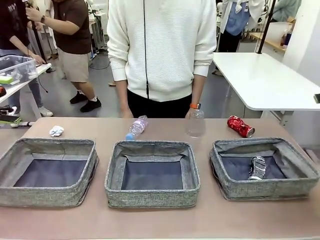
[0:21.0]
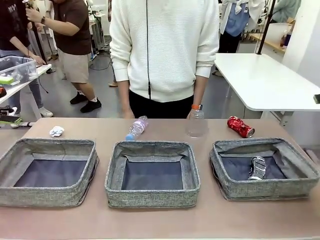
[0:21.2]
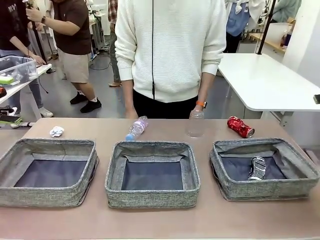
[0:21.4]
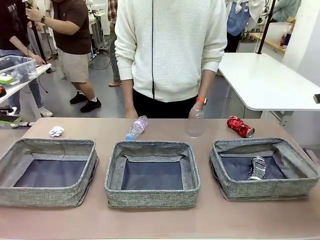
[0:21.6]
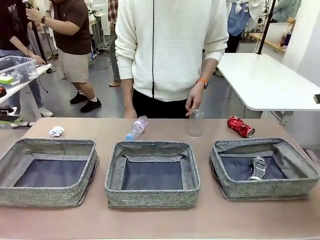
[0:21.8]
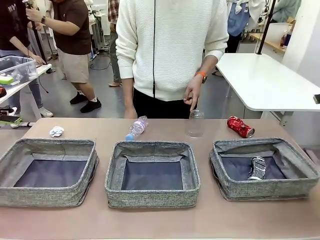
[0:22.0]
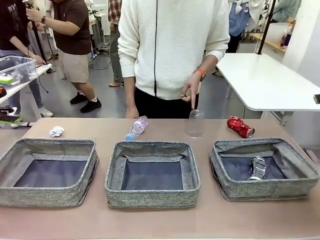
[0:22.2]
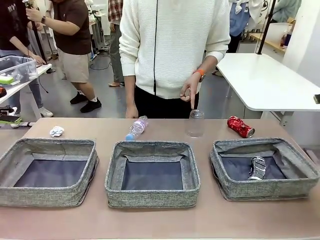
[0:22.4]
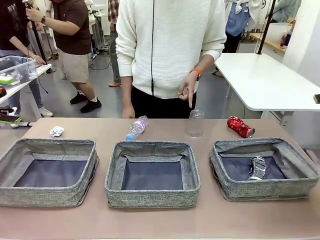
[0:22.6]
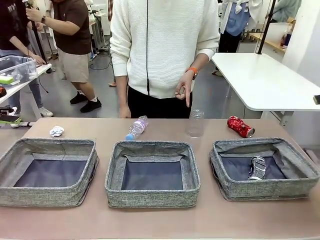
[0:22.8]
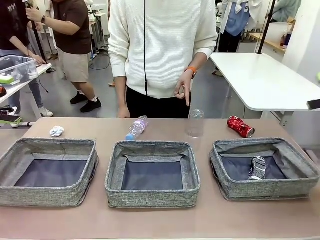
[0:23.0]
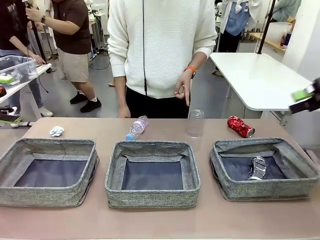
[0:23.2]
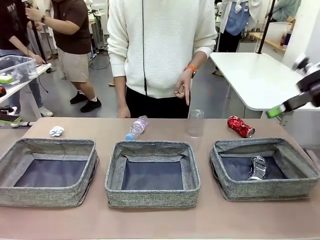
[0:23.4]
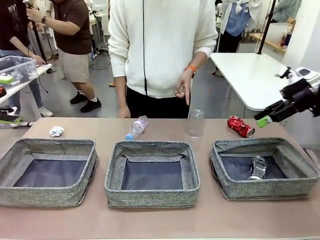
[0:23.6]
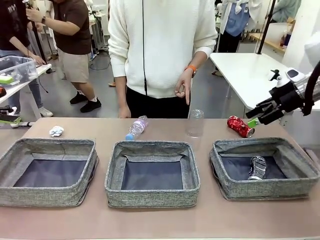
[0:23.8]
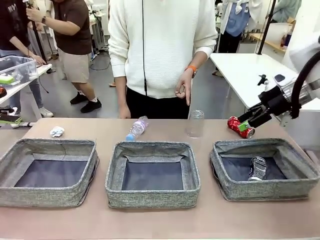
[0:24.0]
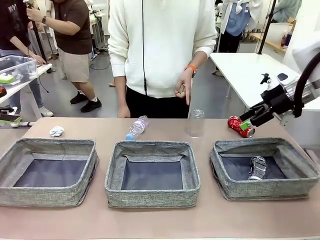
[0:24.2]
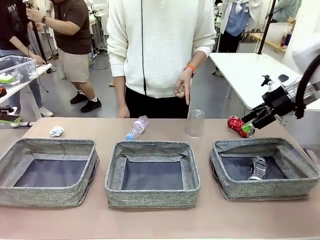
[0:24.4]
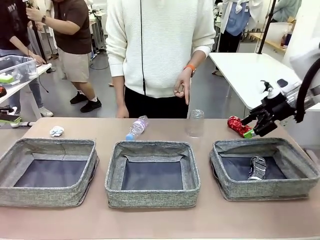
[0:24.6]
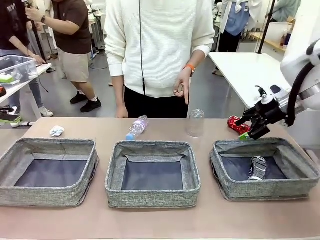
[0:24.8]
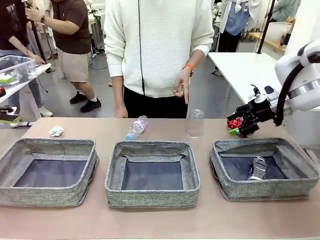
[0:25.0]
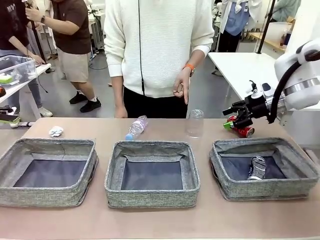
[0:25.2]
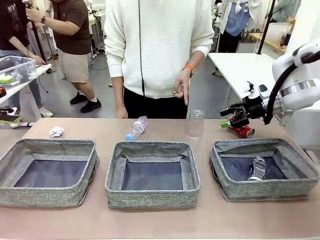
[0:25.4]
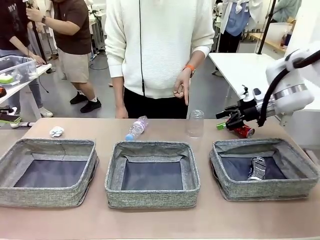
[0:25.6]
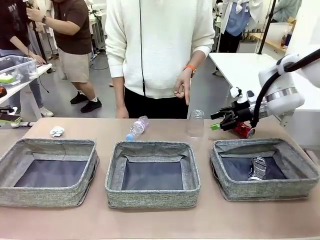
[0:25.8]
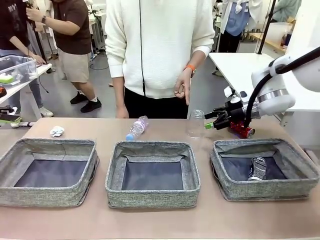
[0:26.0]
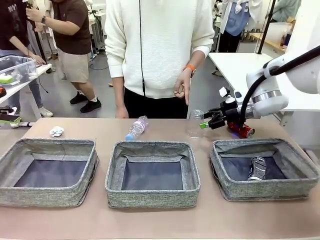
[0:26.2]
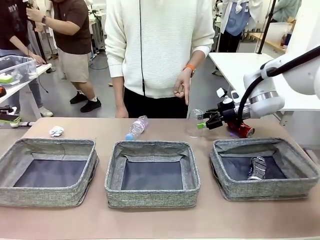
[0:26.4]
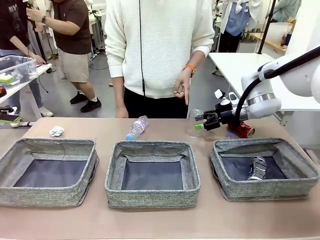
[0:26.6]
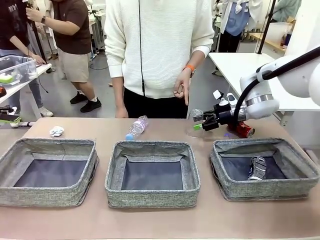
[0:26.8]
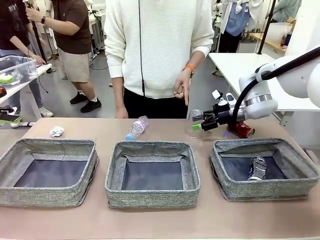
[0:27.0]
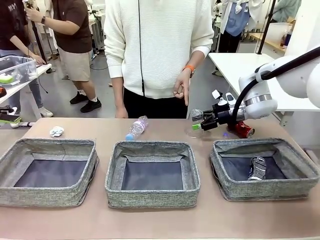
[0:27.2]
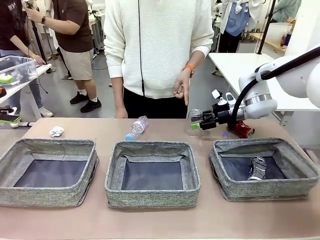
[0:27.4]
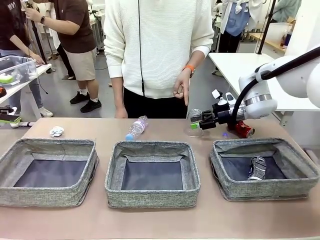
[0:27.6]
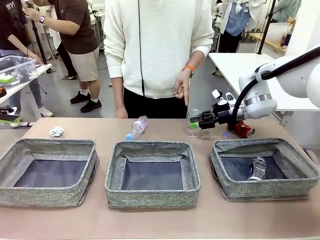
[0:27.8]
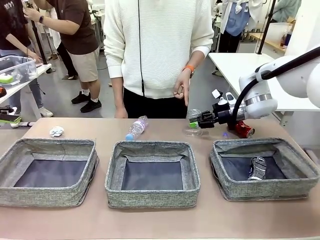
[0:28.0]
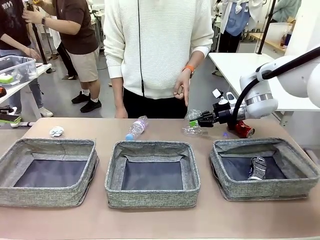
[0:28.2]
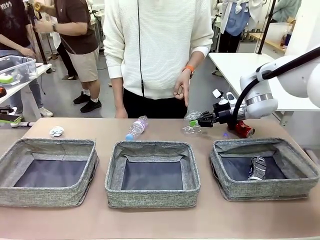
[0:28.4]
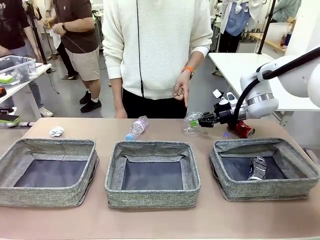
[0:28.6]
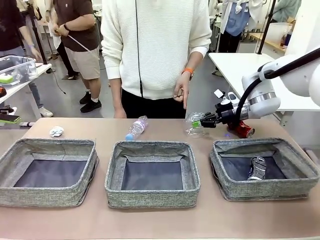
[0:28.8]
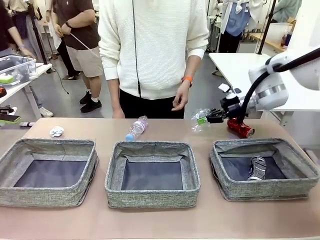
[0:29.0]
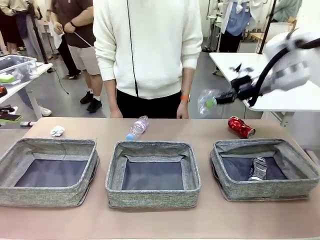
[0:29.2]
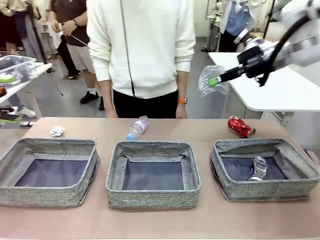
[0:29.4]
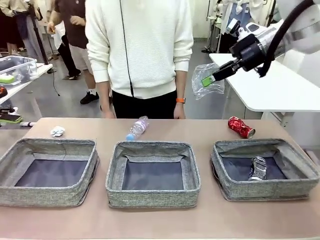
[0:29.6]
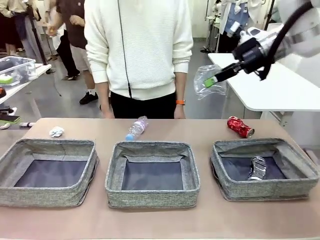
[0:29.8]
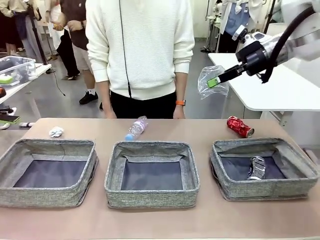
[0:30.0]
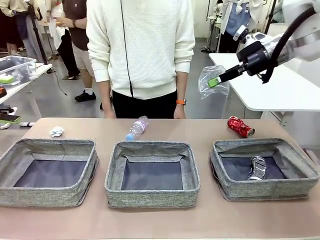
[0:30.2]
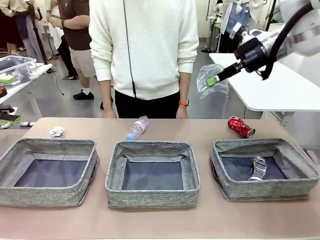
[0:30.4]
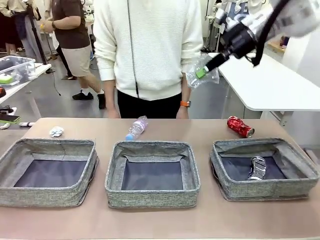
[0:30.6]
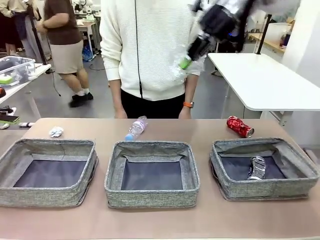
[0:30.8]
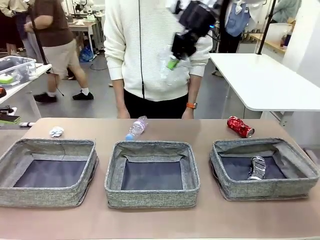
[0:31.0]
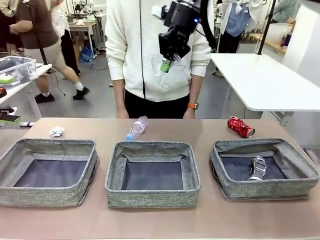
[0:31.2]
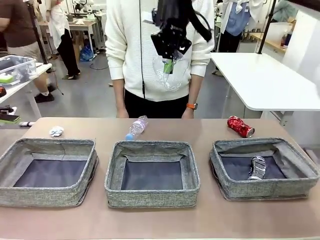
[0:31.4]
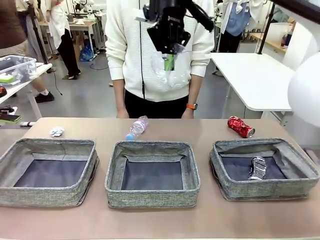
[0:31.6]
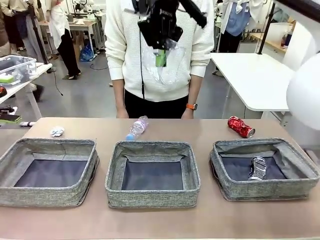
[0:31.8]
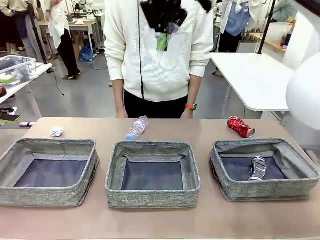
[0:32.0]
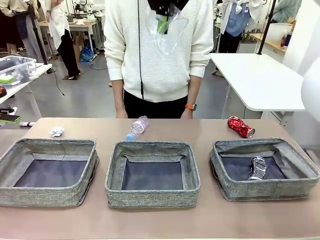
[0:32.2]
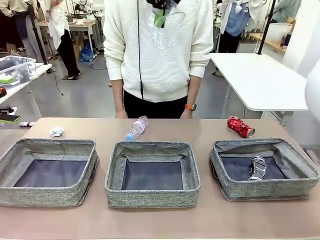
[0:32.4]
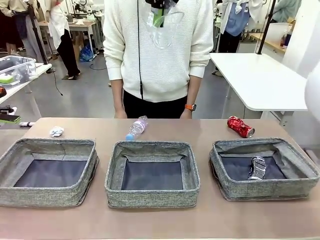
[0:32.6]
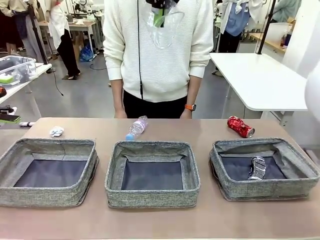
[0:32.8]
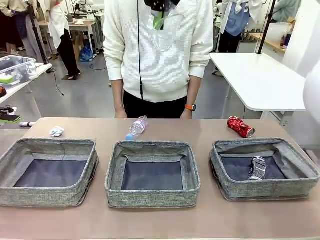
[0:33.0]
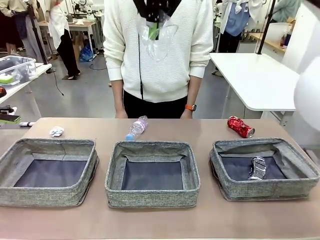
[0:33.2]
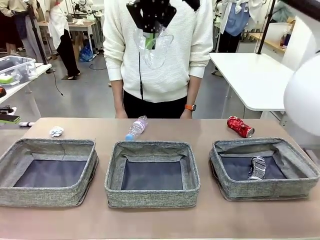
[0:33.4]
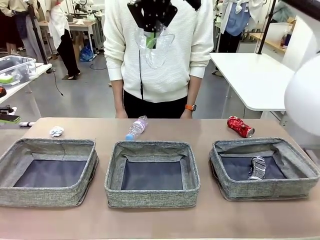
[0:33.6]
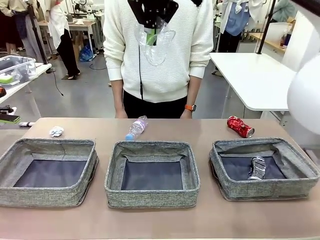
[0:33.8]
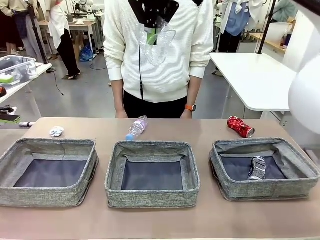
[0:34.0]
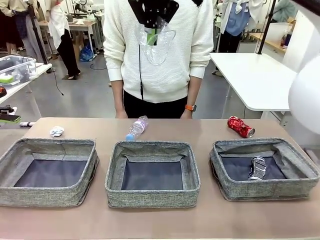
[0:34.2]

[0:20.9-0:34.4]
Task: Sort the waste into the appropriate baskets.
Robot: Pick up the waste item pointed out by the person.
Person: Points to one piece of trash on the table.

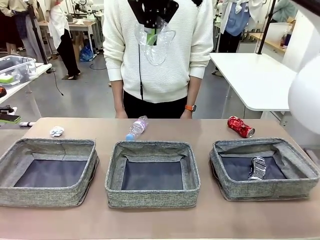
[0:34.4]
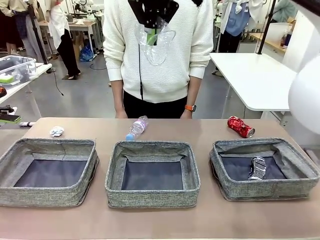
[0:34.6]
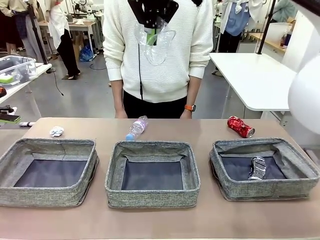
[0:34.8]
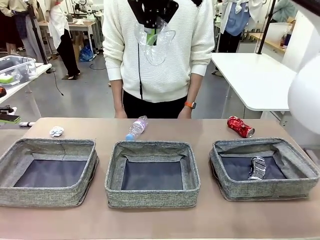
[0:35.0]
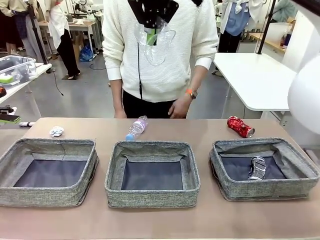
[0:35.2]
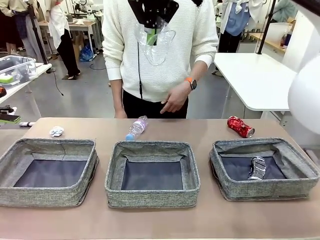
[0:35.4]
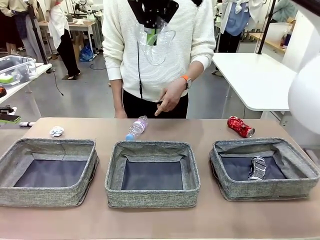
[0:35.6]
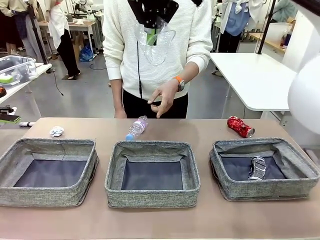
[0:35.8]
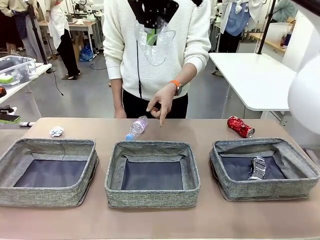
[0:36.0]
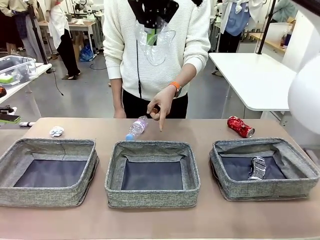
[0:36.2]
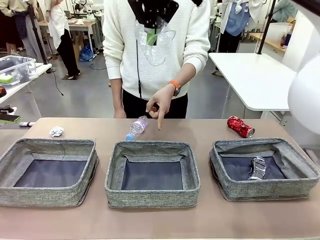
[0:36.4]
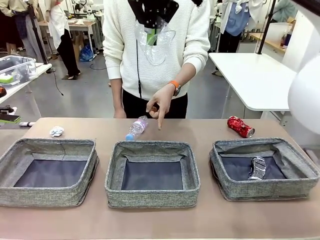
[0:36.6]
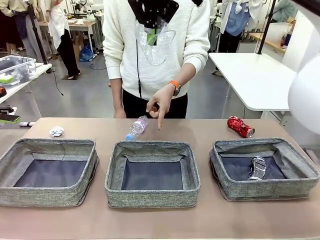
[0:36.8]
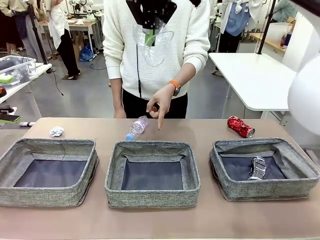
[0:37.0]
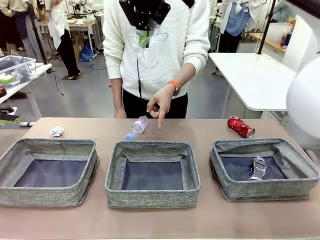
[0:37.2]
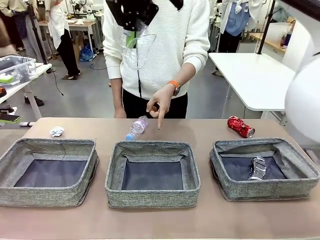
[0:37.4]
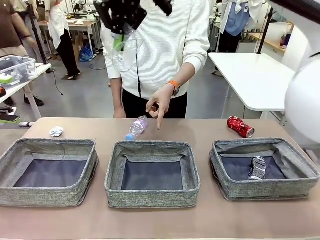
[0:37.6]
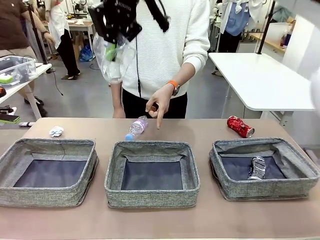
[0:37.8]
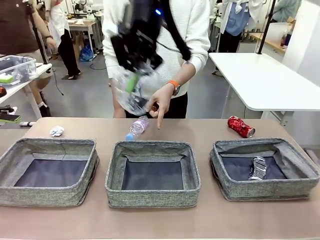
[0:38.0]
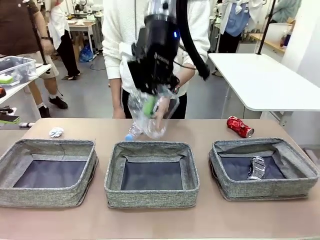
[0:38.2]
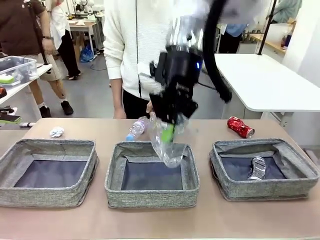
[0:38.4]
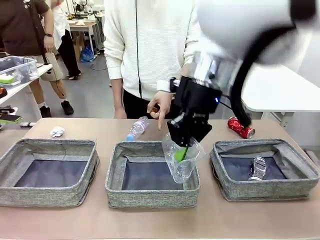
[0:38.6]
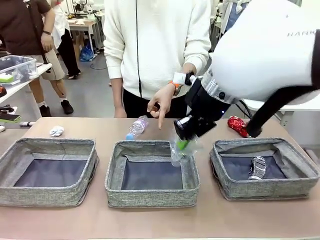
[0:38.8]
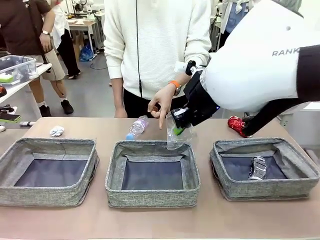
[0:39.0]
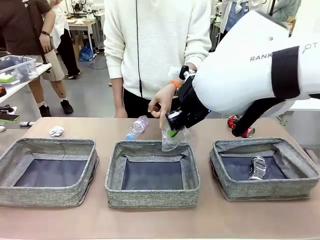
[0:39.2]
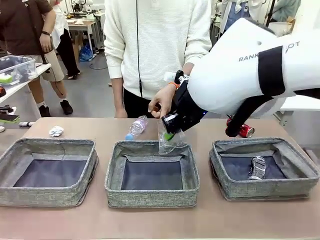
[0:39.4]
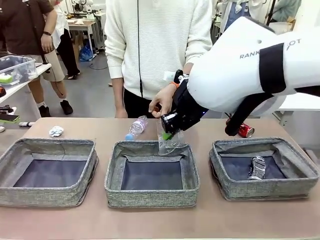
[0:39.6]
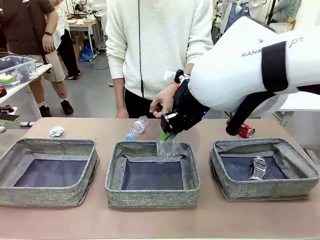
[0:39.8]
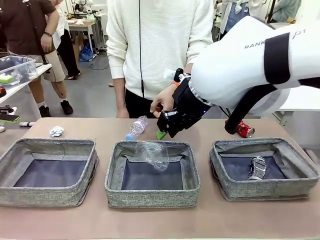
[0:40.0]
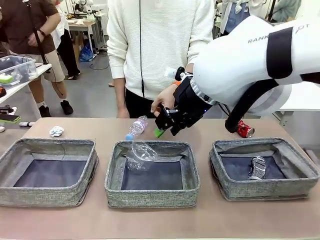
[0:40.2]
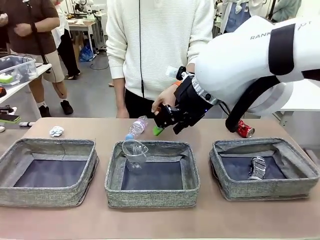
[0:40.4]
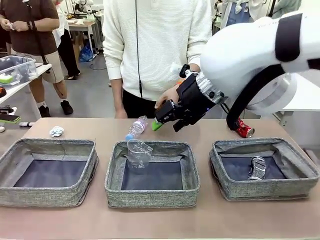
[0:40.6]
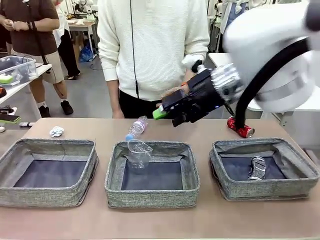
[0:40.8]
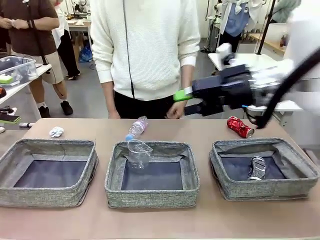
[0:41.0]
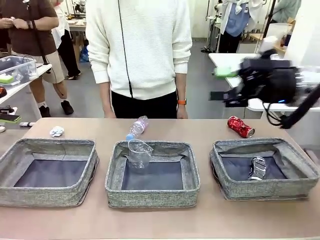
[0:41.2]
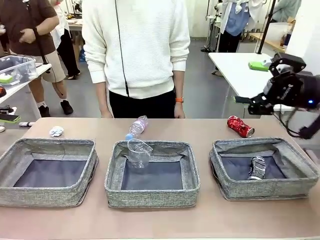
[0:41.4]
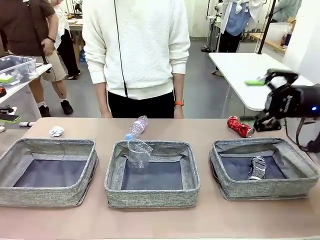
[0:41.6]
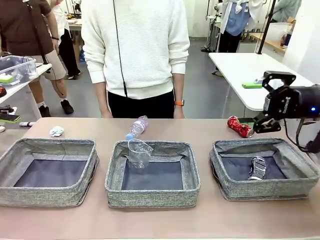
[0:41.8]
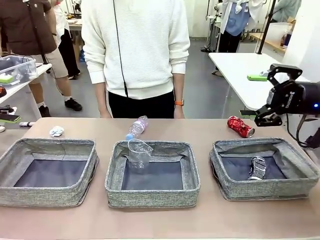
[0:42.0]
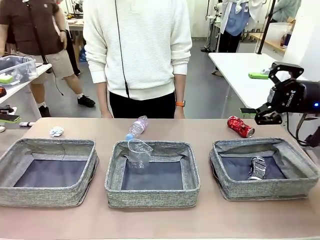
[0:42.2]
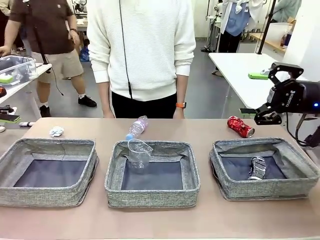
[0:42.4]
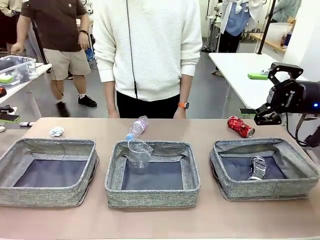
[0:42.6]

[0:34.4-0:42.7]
Robot: Place the picked waste into the Fabric basket indicated by the person.
Person: Instructs the robot to place the picked-up trash into the appropriate organizing basket.
